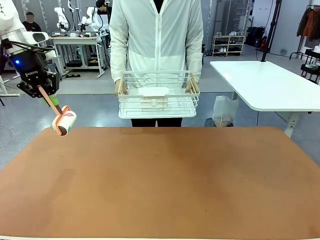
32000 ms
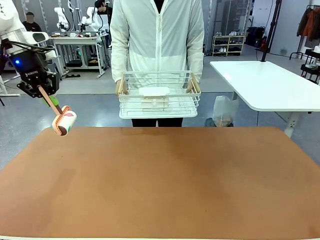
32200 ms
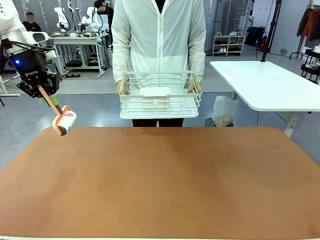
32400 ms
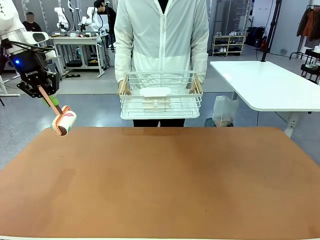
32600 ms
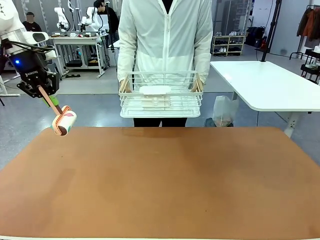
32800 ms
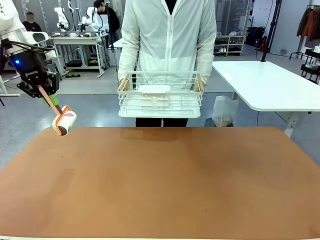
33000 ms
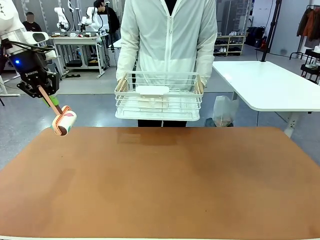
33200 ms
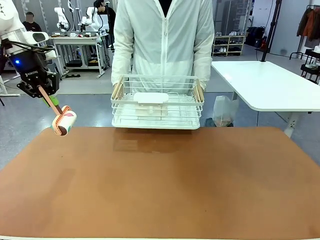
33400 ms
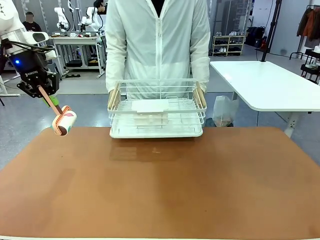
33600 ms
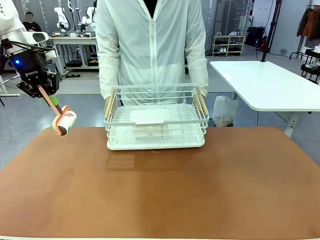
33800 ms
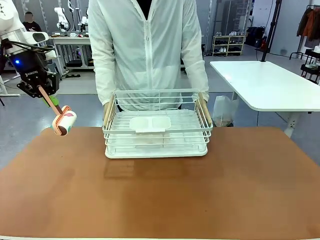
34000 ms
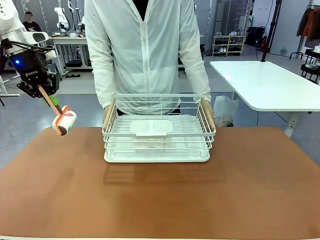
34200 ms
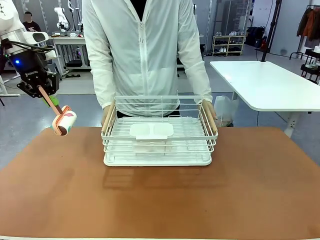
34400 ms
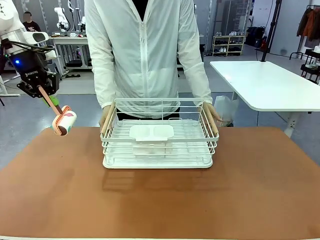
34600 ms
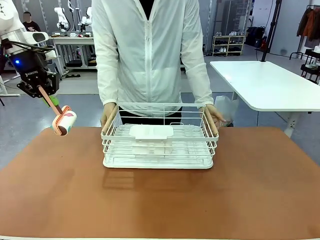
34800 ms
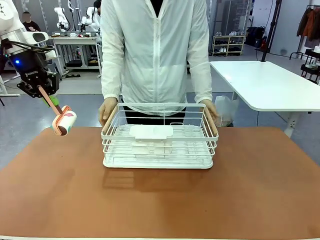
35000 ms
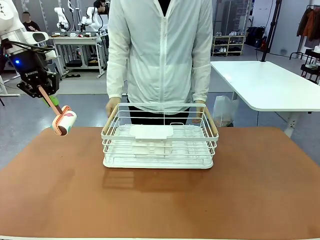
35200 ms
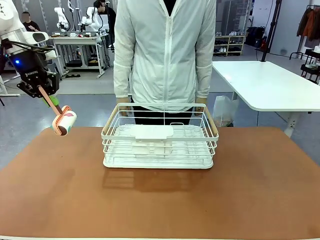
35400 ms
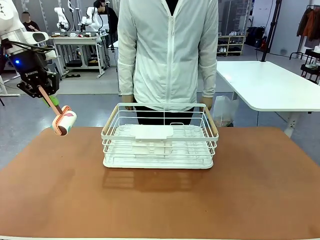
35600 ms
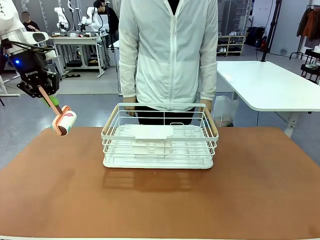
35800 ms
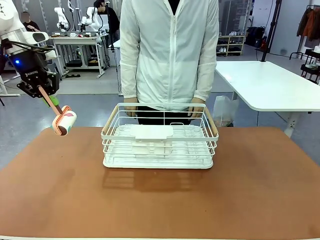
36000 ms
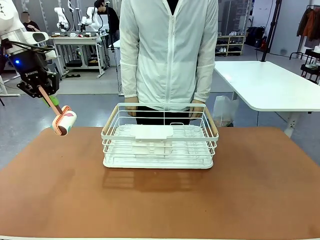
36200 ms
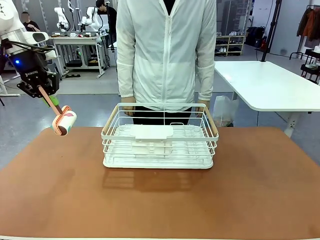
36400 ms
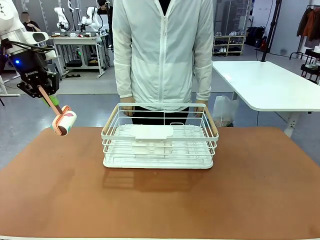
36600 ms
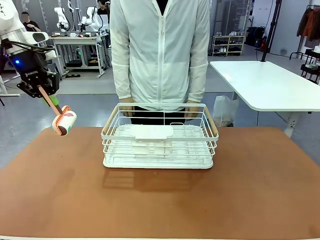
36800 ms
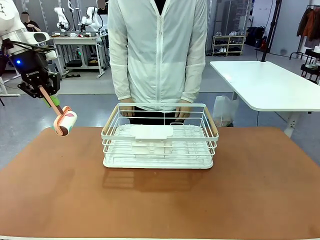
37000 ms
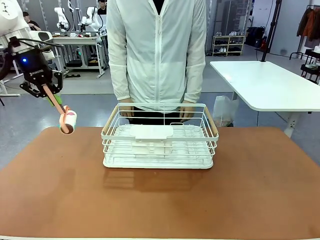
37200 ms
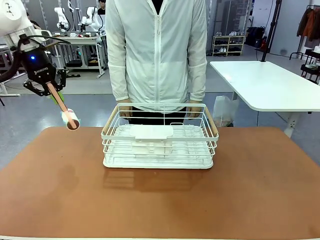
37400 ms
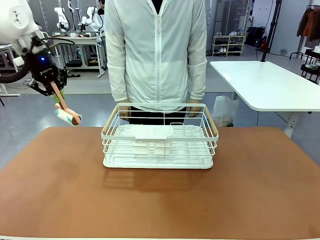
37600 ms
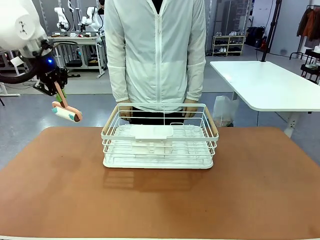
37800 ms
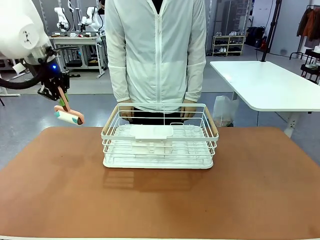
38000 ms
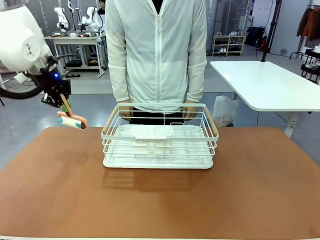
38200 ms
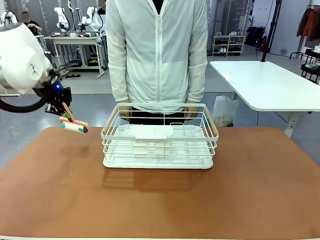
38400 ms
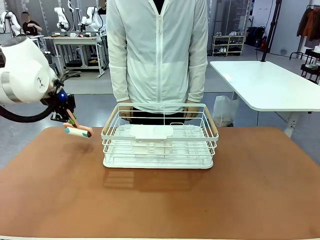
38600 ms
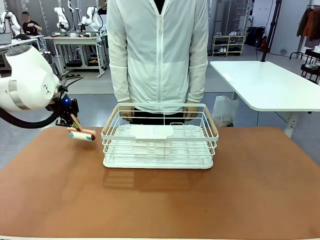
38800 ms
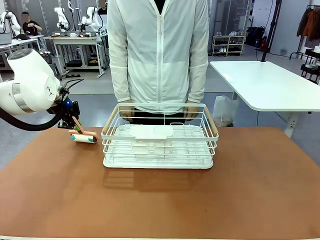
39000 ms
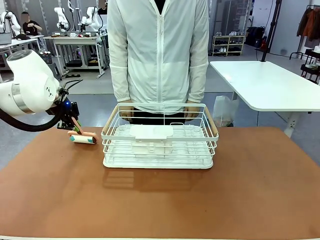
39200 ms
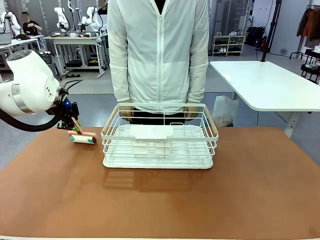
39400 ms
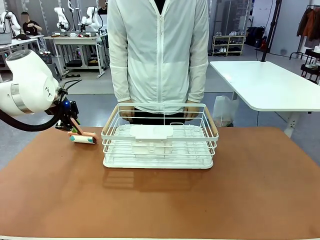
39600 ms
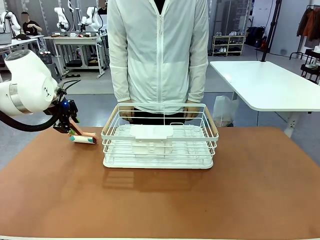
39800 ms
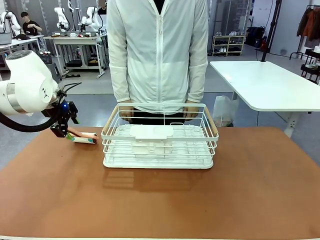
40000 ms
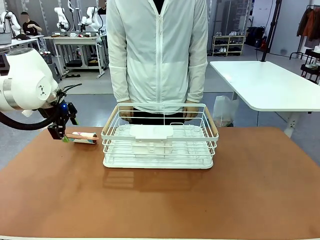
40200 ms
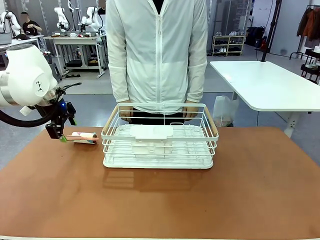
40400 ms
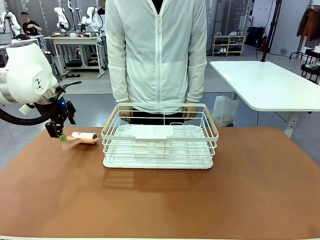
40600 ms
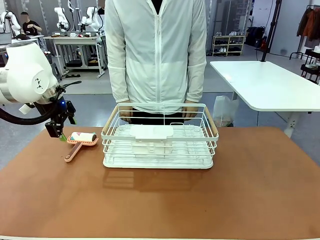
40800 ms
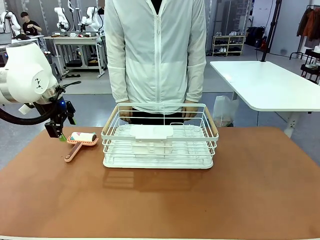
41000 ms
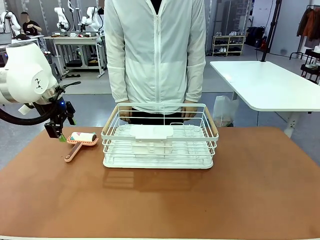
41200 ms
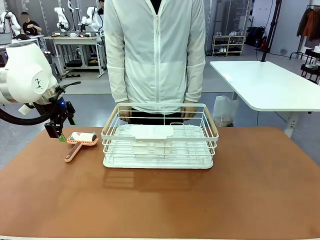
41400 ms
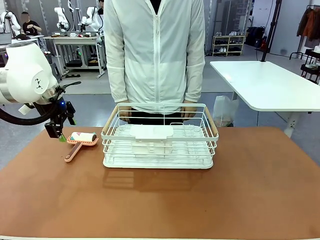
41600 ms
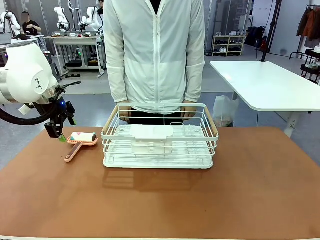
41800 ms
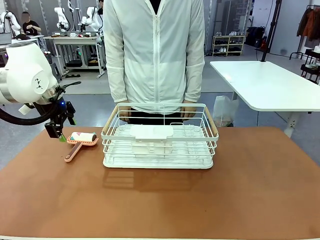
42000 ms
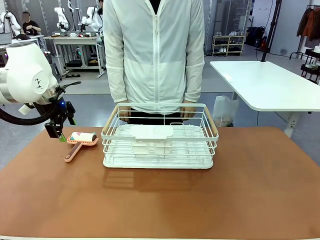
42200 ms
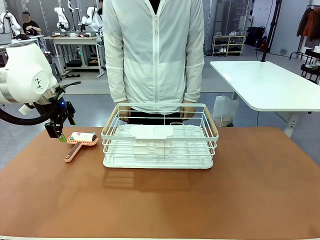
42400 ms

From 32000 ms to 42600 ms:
Task: Clean the table.
Robot: Place the Lint Roller down when the Dish drying rack is positioned in the middle of the table.

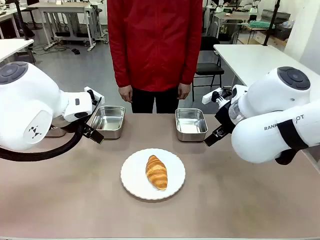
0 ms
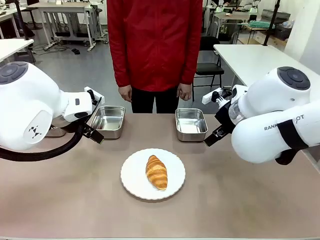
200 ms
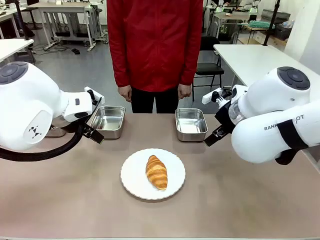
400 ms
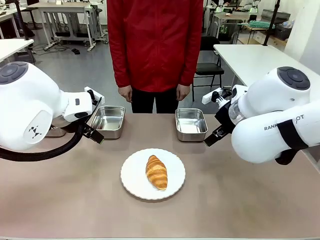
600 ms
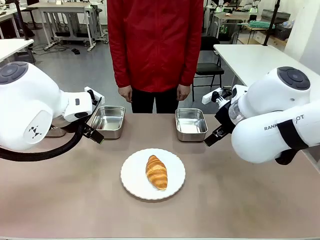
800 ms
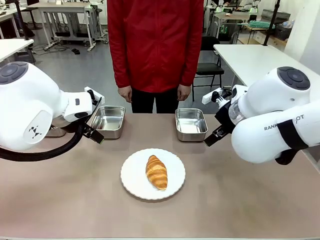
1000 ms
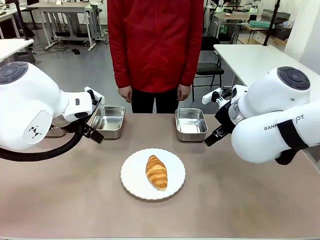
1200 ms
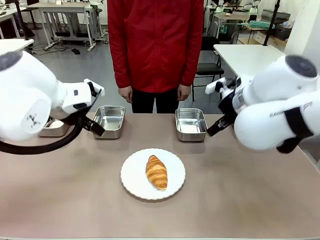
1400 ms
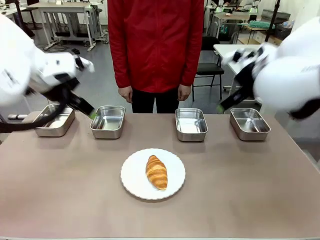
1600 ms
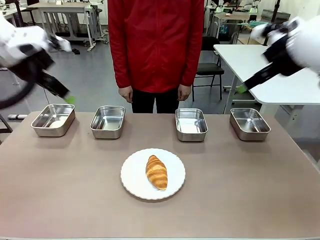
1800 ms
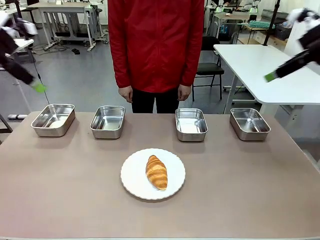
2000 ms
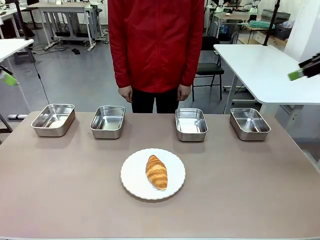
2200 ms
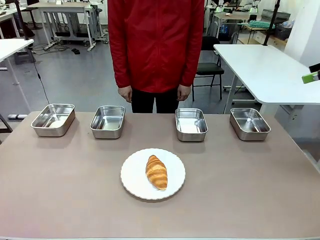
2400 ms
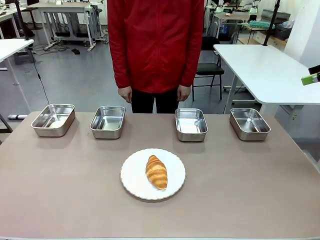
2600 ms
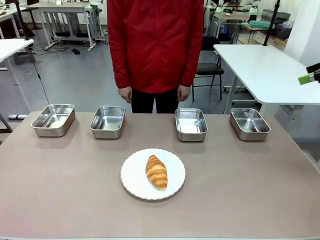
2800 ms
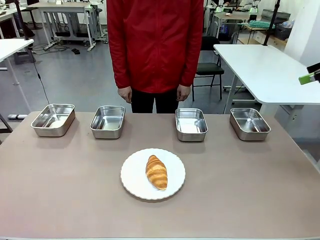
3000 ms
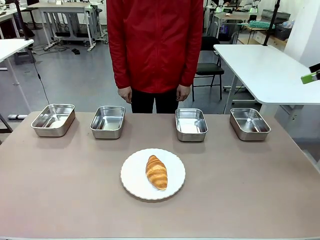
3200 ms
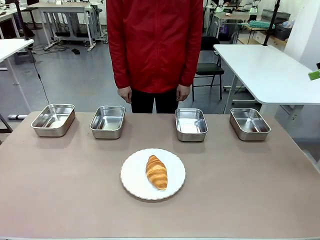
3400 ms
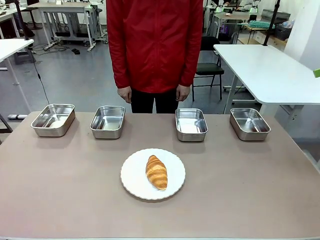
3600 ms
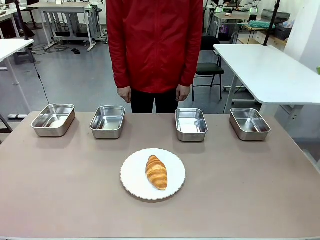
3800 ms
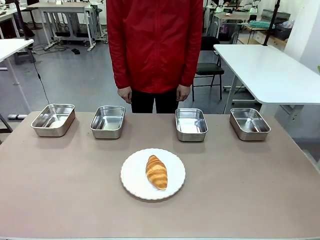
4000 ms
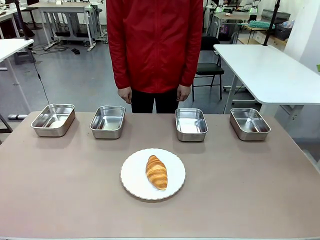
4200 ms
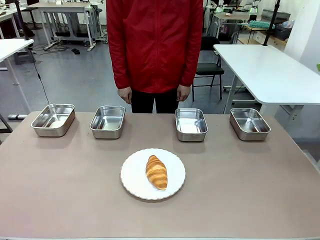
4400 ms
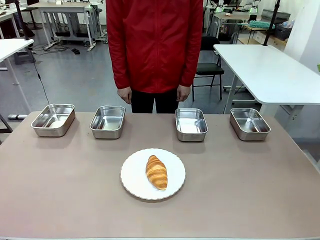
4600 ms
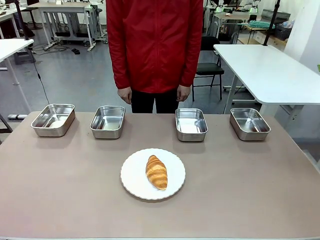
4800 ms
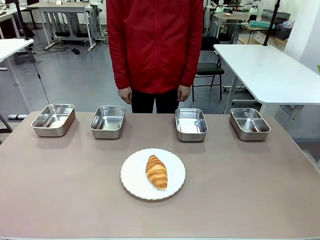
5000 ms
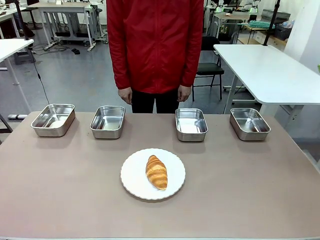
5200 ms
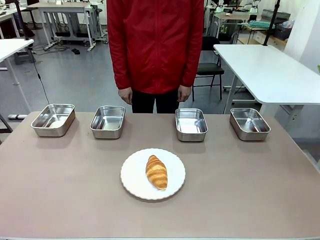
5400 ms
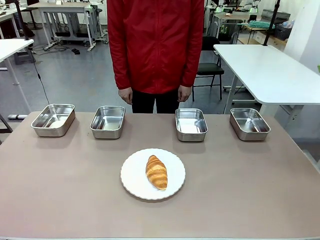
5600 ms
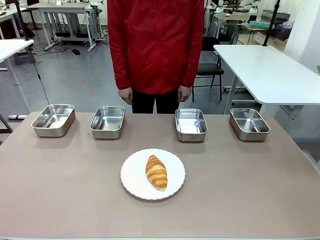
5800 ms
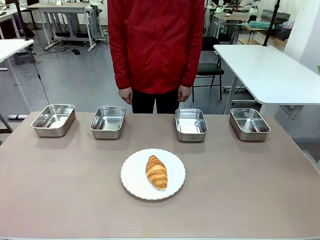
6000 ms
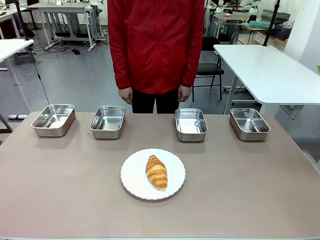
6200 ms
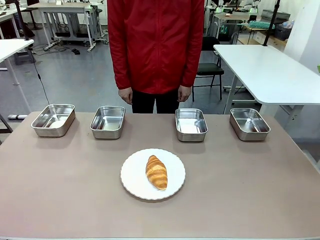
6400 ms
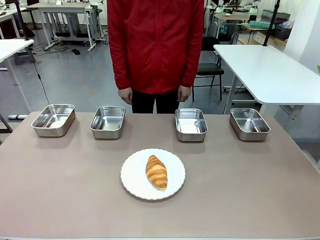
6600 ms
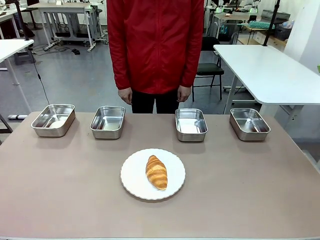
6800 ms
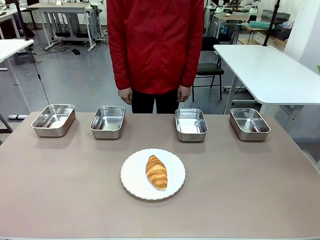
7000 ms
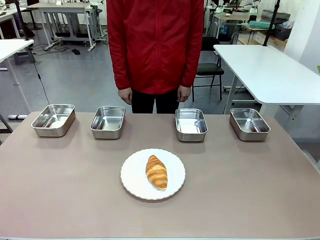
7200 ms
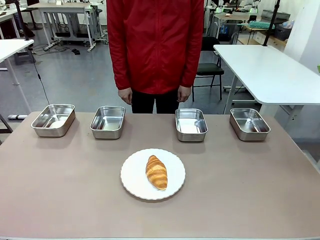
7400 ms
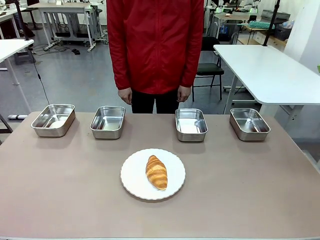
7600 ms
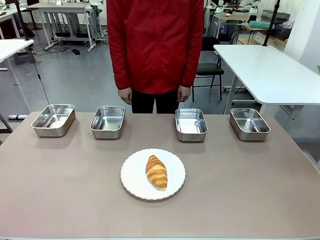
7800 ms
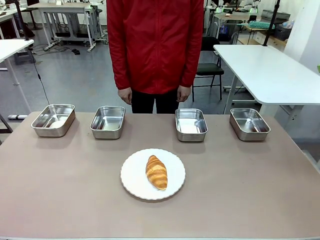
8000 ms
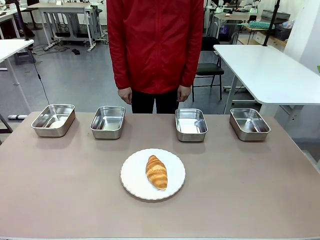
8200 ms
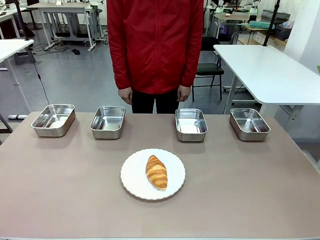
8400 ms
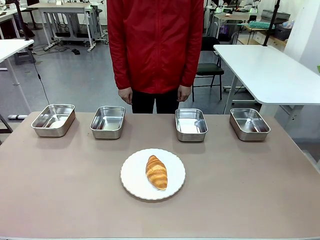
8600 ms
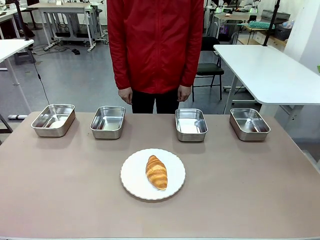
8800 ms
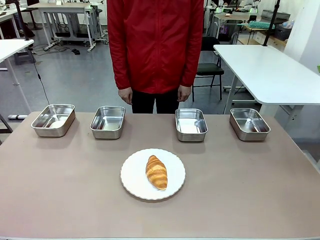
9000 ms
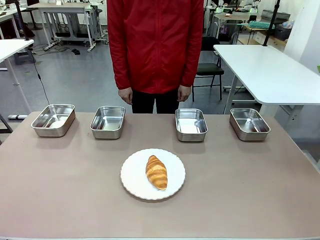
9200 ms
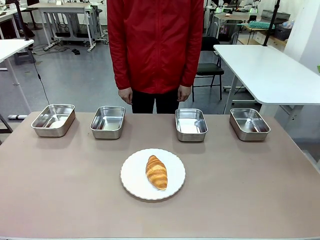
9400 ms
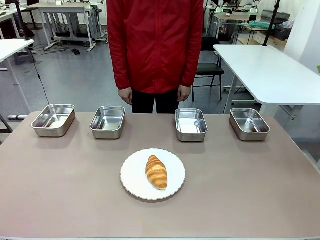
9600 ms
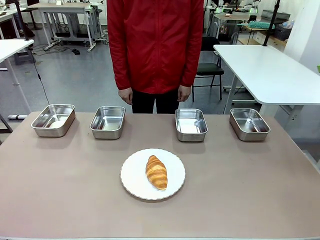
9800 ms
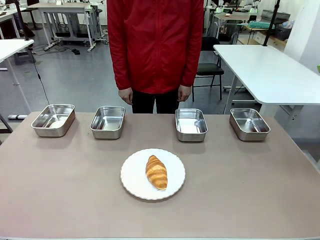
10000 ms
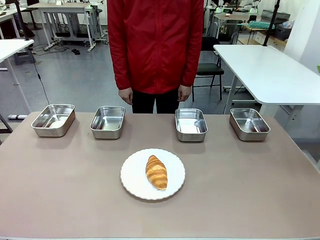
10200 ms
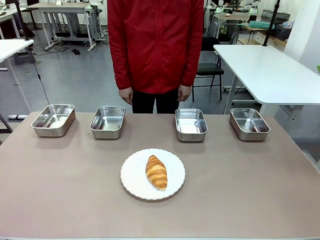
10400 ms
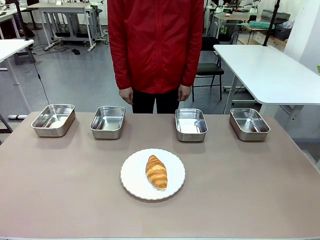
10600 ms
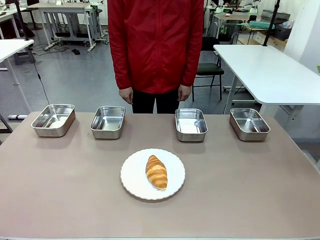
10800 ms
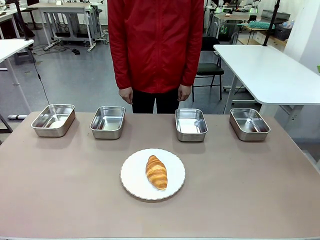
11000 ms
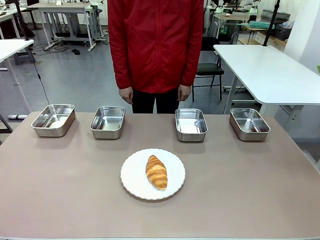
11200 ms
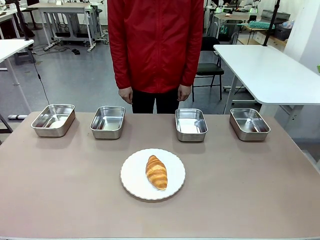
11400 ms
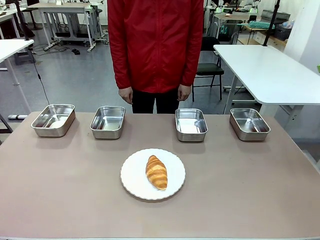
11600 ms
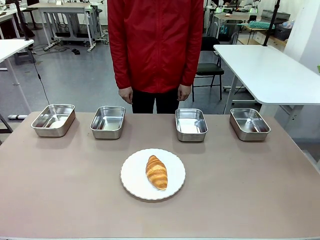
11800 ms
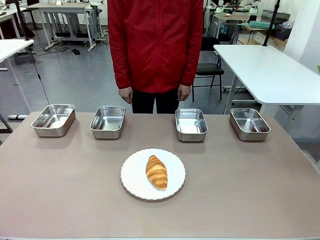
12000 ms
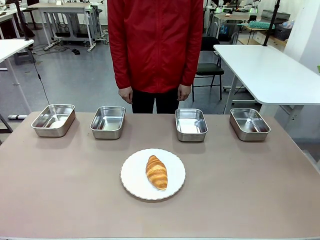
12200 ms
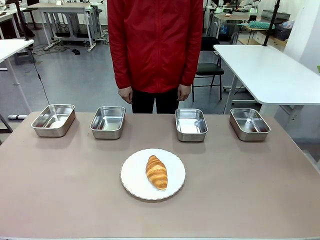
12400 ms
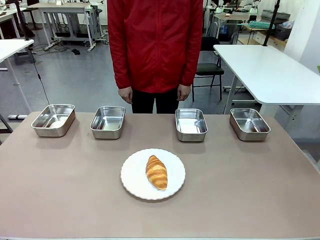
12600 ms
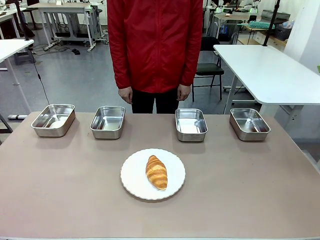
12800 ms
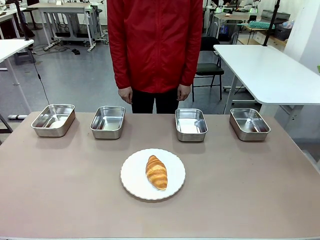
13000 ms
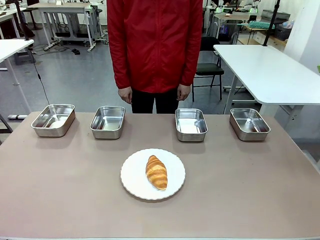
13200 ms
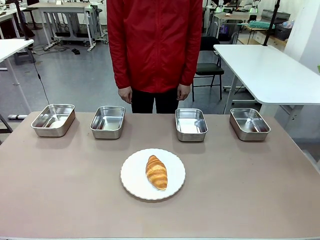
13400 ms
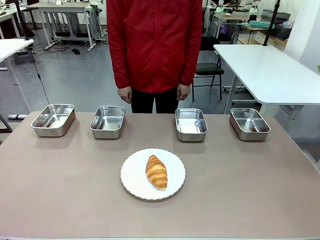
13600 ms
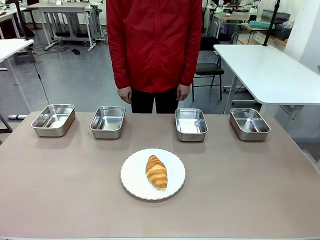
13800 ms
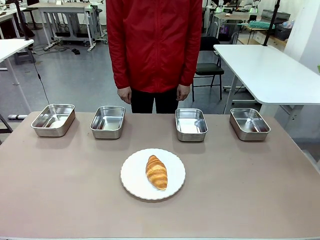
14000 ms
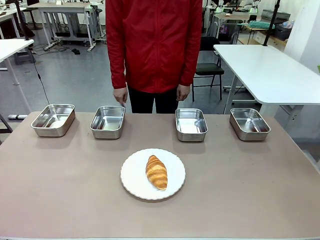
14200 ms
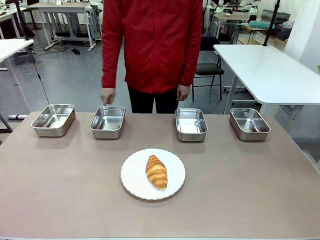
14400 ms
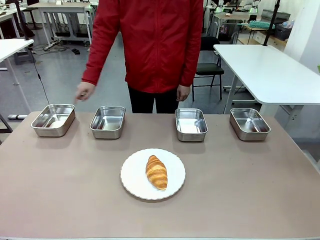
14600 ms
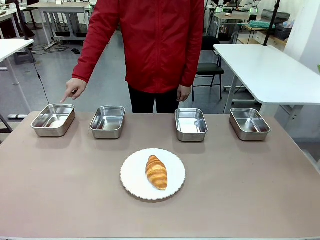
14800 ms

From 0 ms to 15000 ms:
Task: Place the bread in the container.
Robot: Place the Butter Roll into the Airtight Container indicated by the human.
